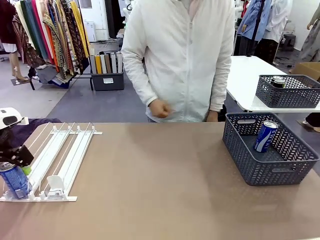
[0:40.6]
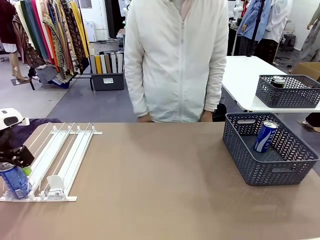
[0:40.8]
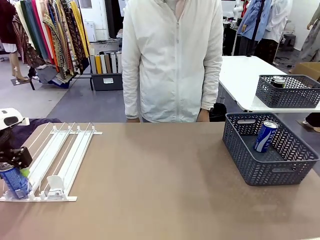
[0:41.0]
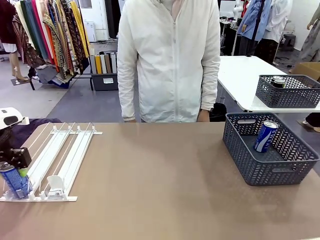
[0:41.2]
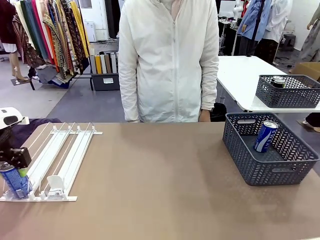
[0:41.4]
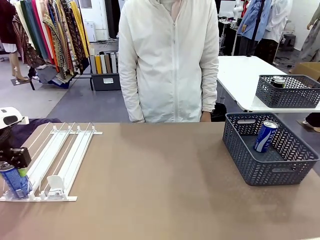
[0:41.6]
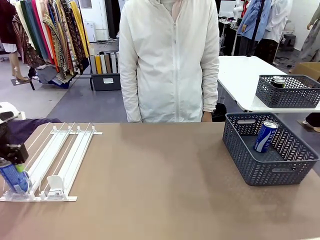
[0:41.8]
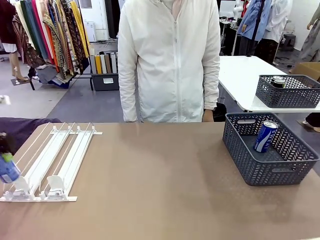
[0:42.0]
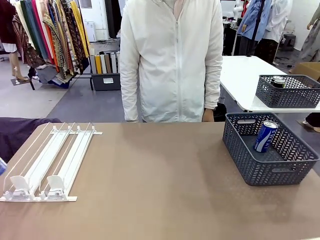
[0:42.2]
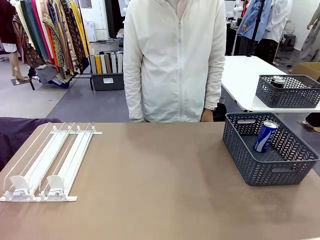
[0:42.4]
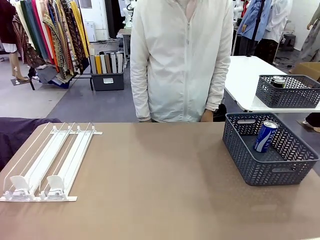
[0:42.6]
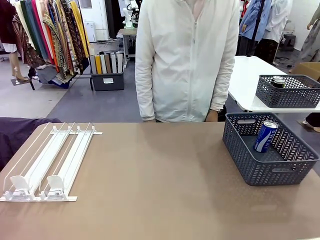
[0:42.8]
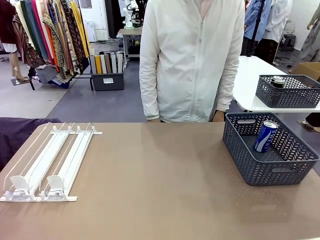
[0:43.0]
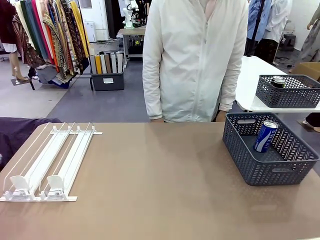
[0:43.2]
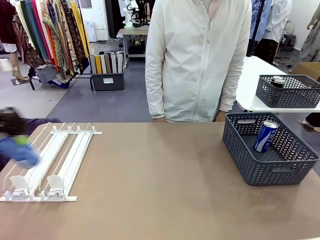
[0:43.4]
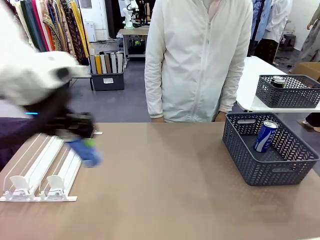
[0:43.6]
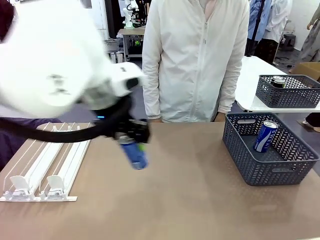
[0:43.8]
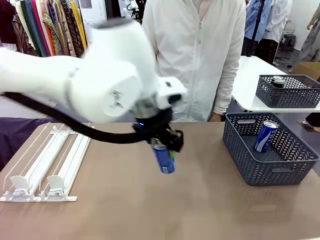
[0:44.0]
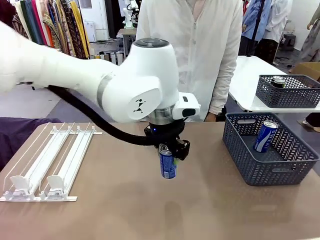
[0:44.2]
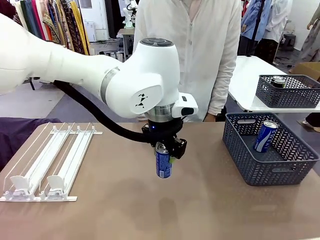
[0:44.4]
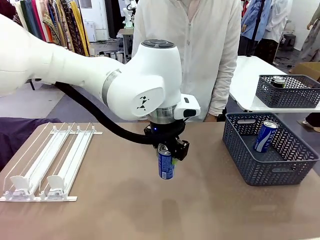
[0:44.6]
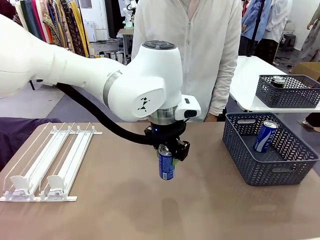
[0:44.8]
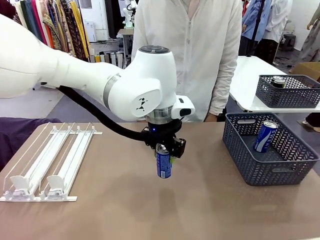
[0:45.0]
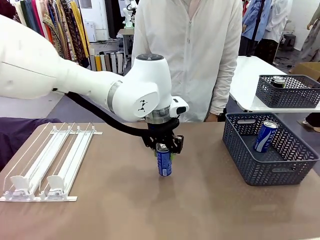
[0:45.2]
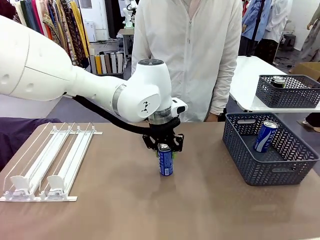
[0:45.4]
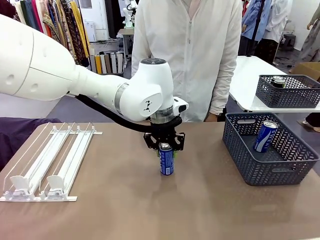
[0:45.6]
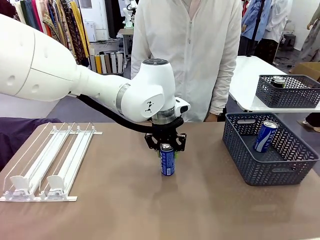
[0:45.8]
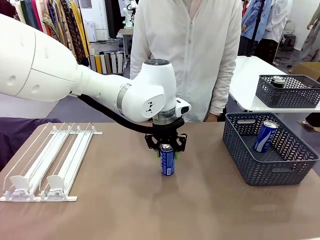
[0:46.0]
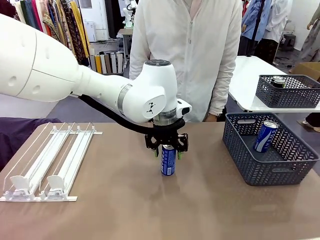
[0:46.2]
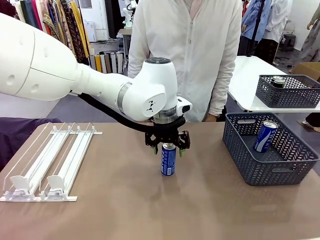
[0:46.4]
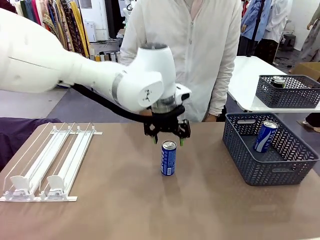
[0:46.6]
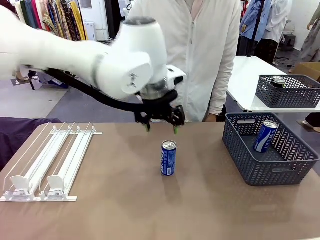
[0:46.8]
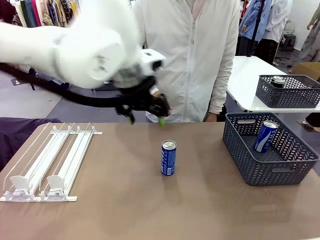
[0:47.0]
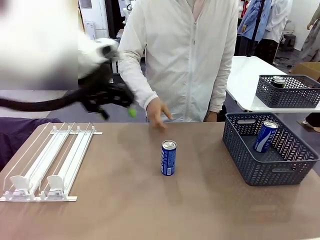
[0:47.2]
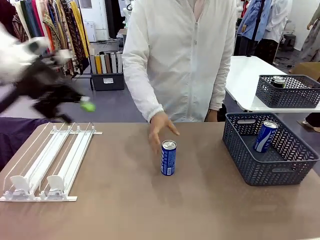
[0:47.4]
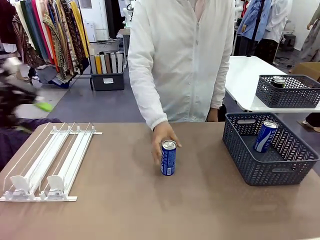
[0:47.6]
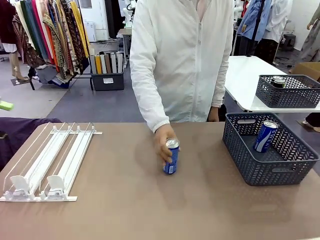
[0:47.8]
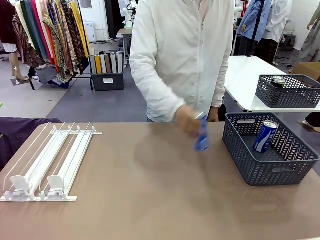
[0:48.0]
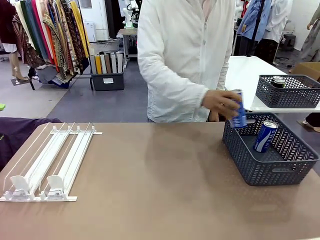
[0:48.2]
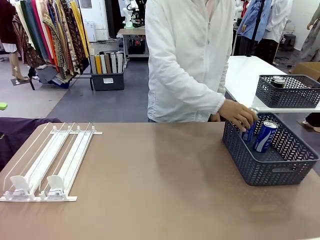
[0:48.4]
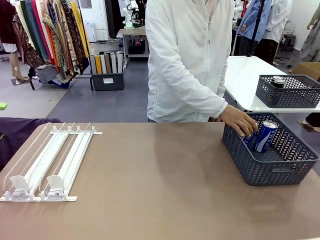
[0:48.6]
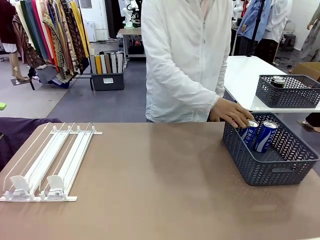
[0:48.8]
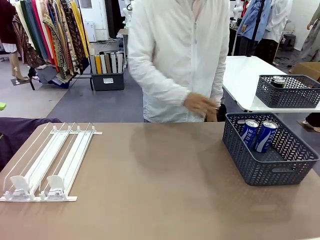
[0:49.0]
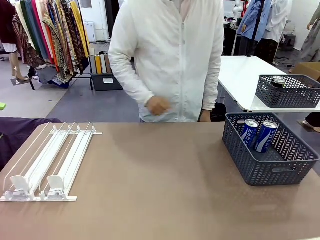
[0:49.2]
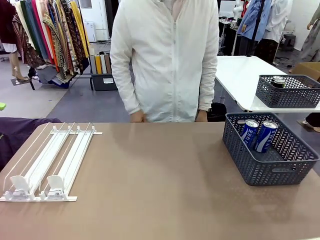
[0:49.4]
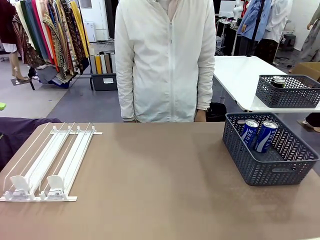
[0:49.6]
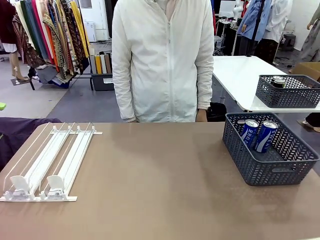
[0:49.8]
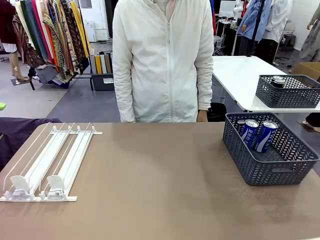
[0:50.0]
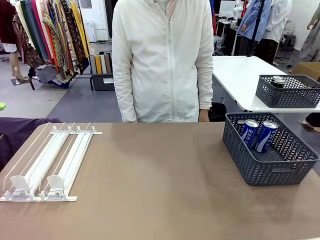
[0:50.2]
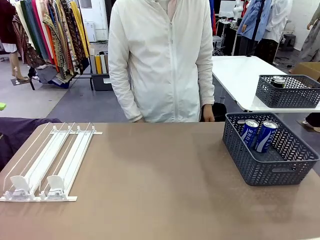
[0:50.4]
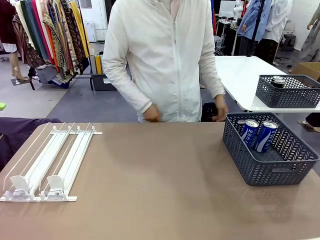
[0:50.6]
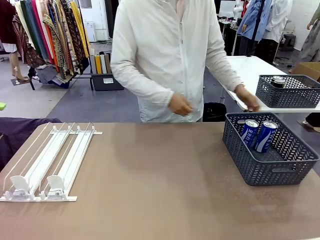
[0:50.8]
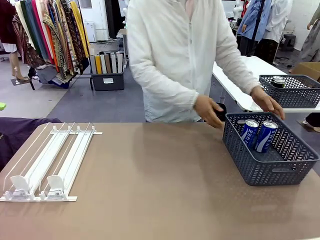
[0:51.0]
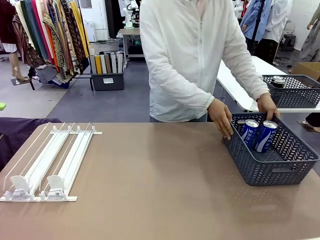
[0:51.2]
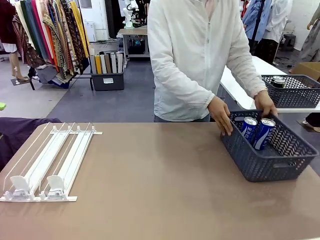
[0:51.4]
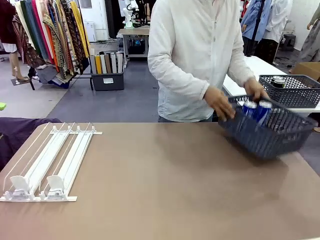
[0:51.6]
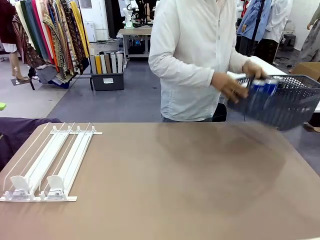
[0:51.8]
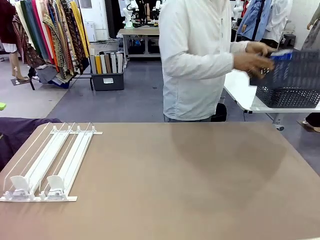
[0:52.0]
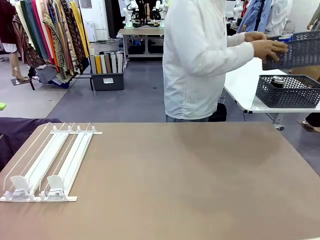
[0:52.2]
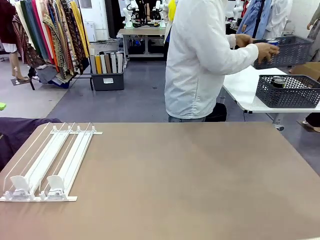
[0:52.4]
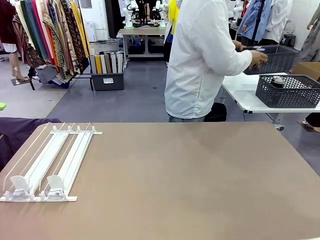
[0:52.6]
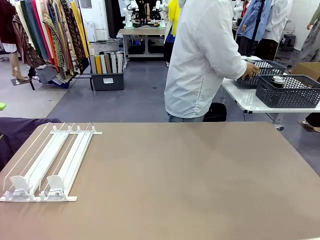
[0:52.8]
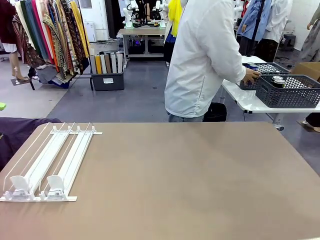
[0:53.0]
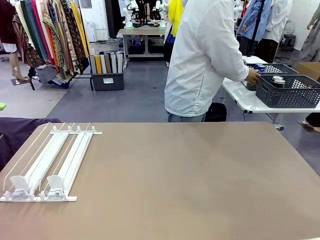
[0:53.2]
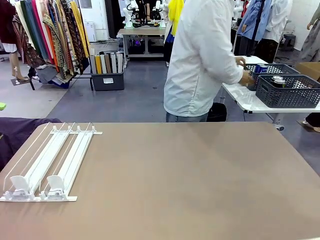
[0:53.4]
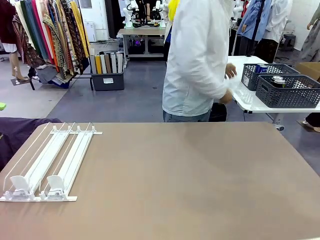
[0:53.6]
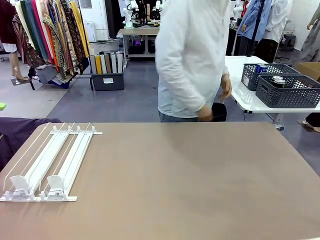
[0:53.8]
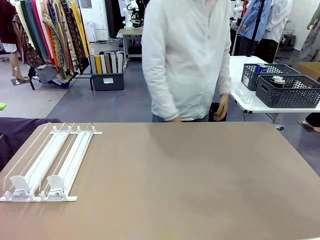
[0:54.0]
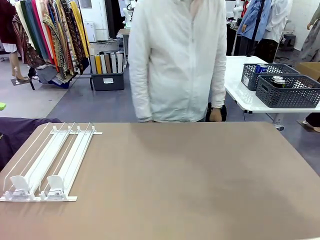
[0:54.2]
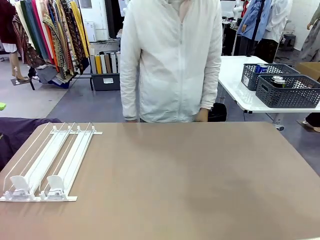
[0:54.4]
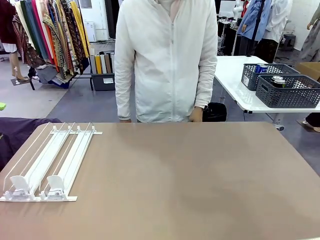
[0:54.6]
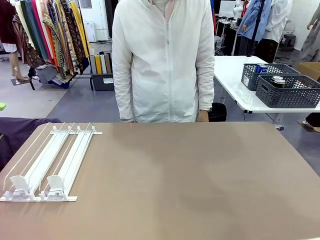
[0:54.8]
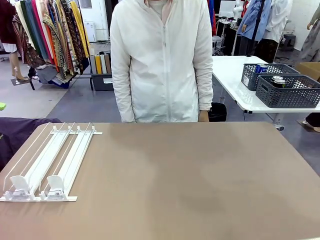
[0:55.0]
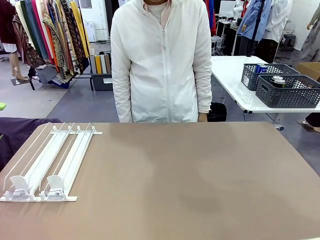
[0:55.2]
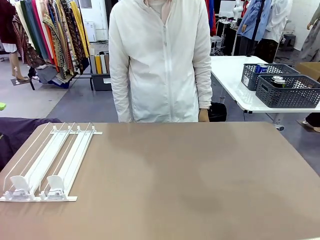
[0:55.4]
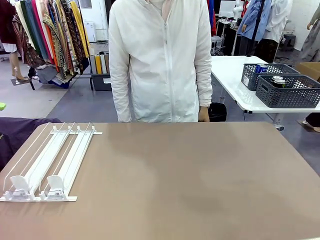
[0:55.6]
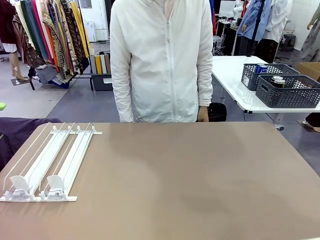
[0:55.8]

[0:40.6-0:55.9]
Task: Retrieve and store the cans from the dispenser.
Robot: Pick up one can from the Automatic Can Dispenser and place it in the middle of the table.
Person: Pick up one sports drink can from the middle of the robot table and place it in the basket. Pick up the basket and place it in the middle of the human table.
